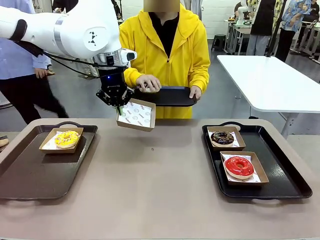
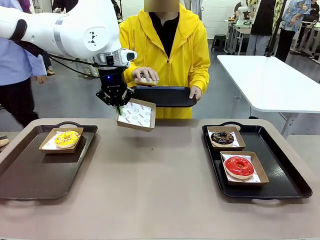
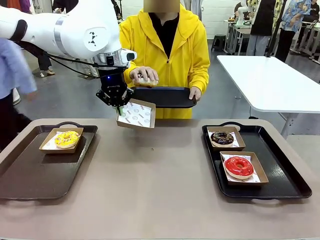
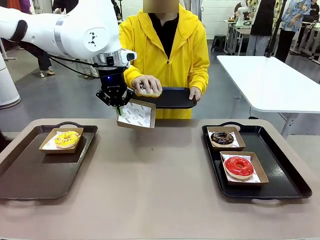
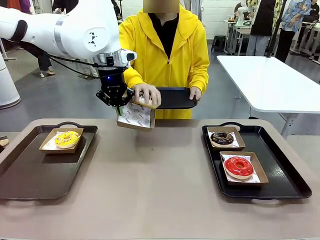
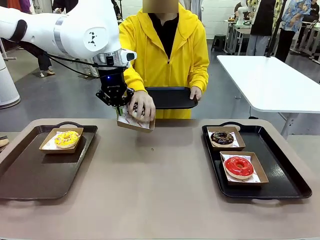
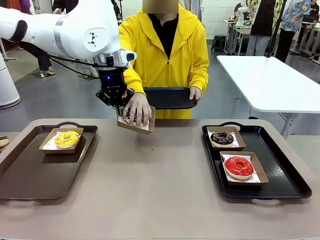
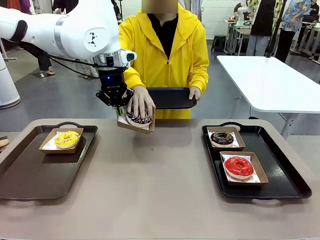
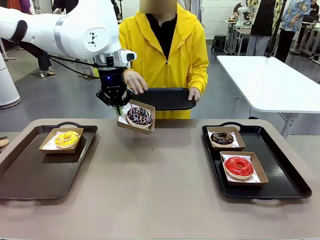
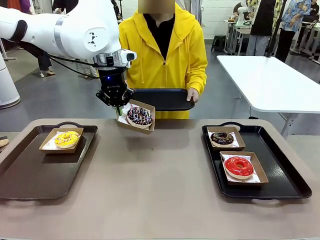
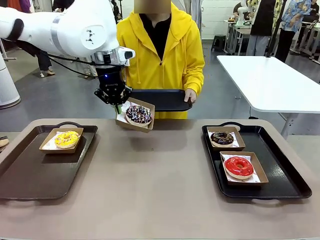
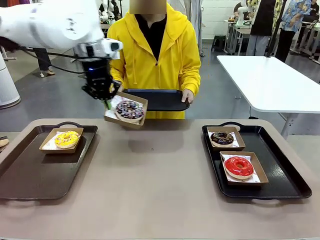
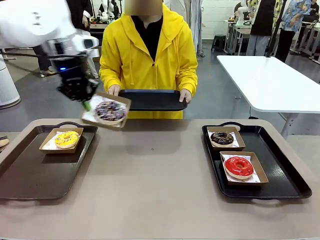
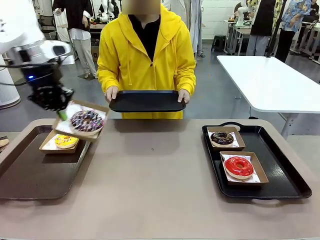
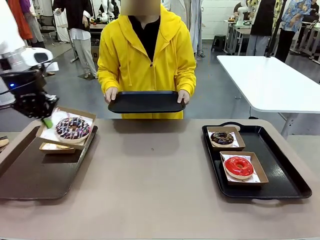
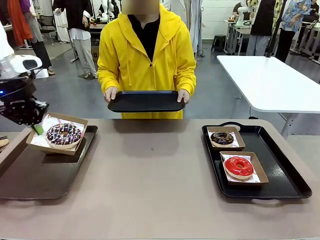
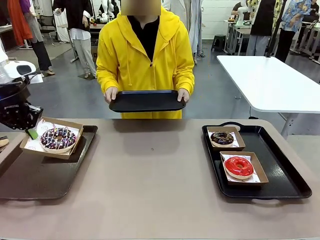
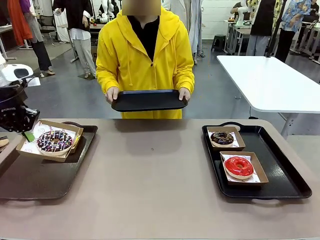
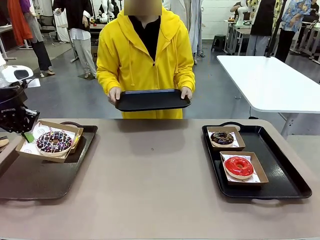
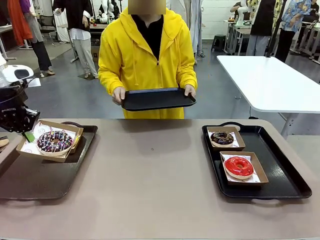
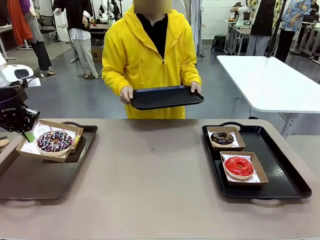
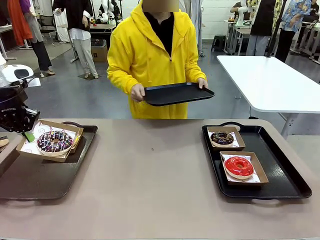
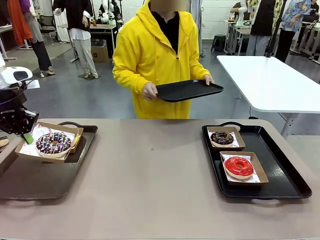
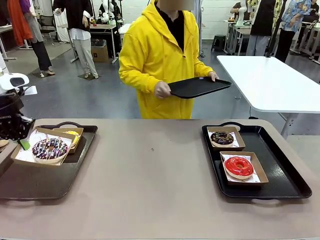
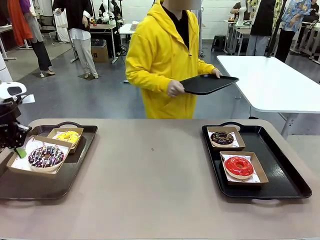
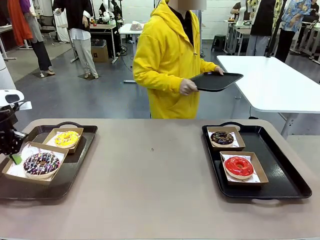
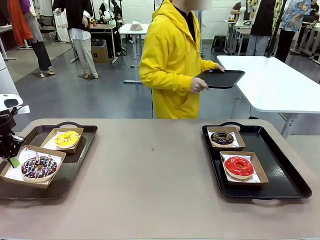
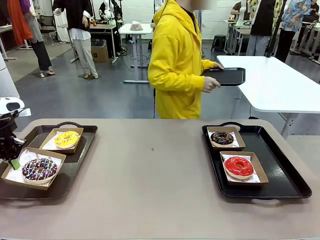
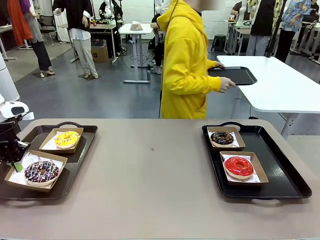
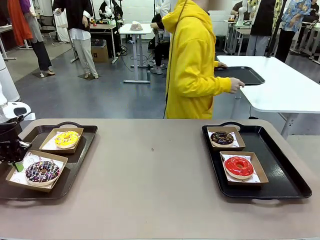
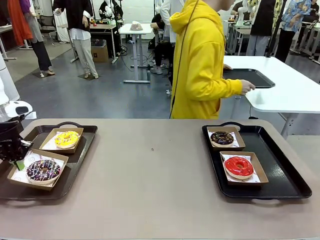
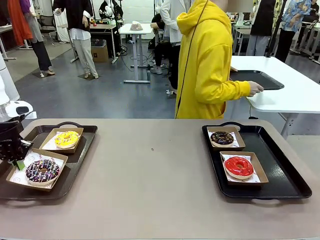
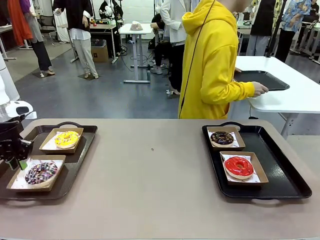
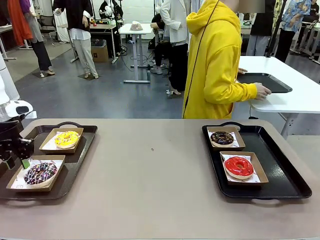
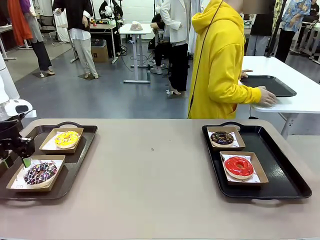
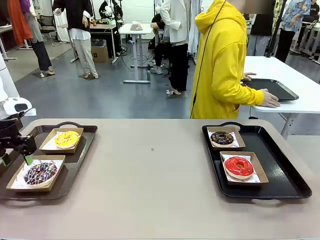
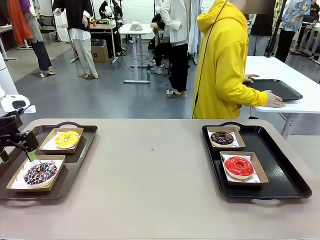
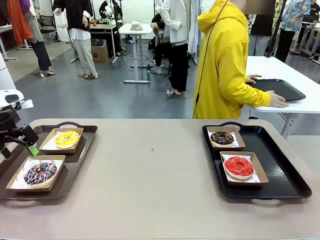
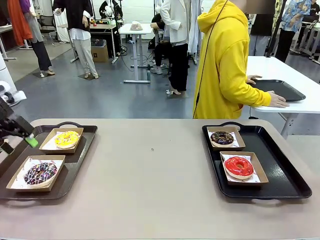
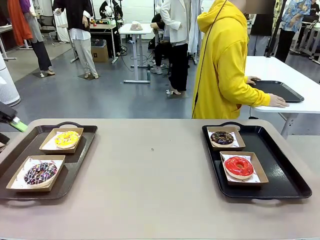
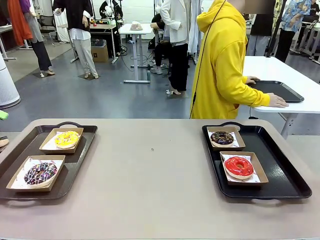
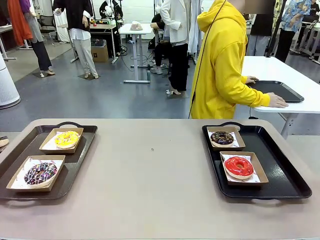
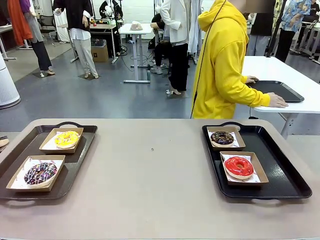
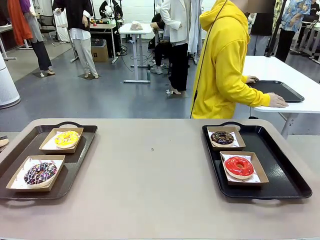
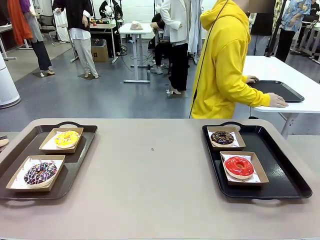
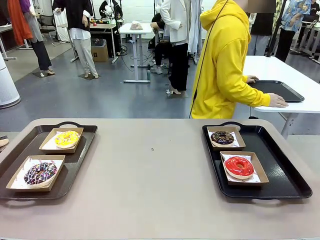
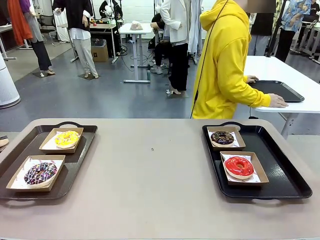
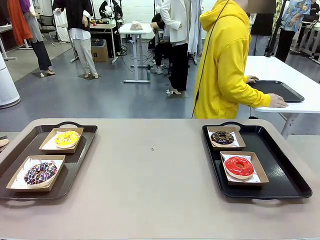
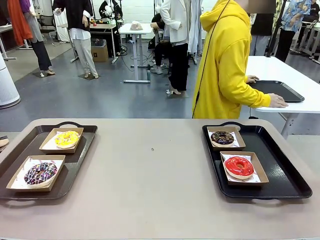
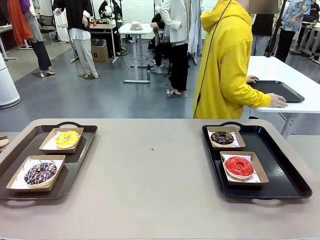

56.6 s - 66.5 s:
Task: Individually package the donuts and arrange them on the tray.
Robot: Place the picked Paper togo box on the Handle tray.
Person: Place the tray down in the middle of the human table.

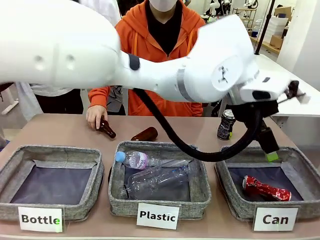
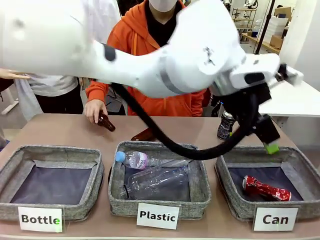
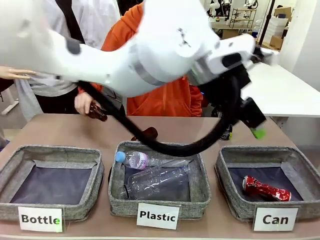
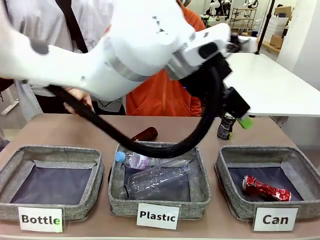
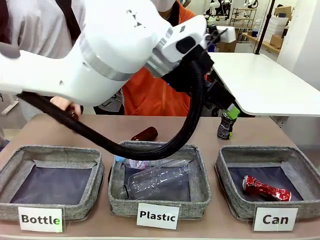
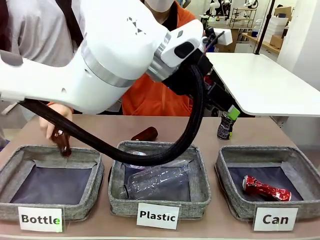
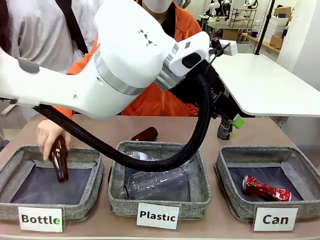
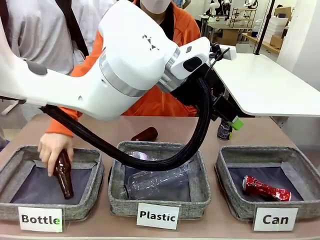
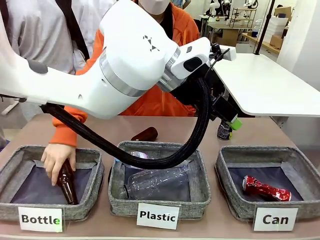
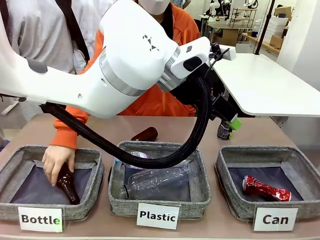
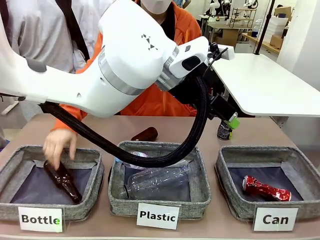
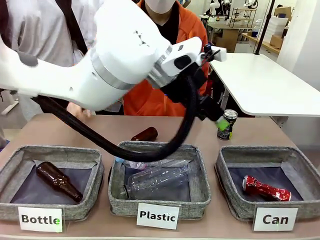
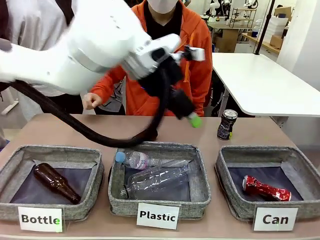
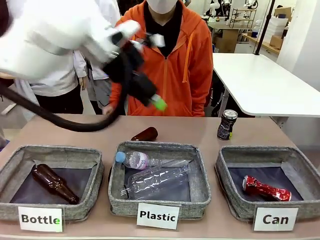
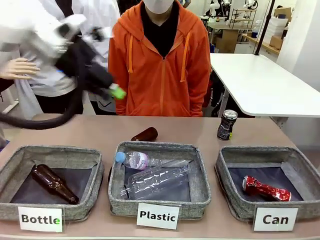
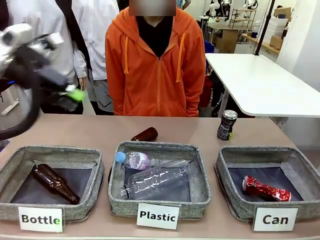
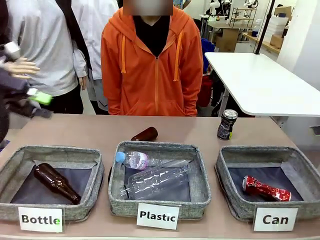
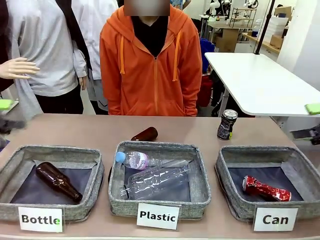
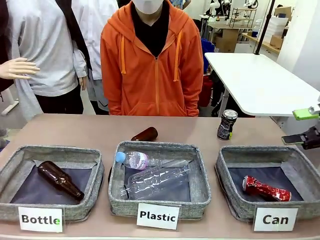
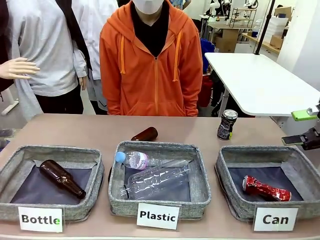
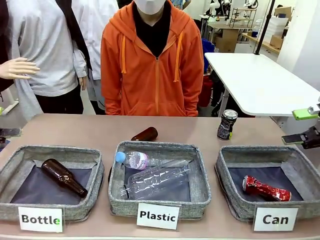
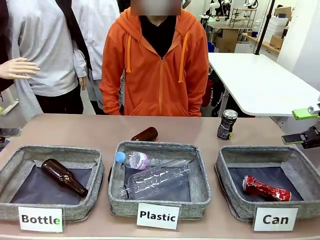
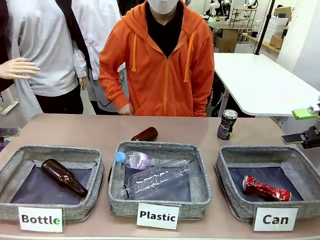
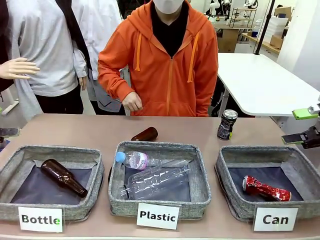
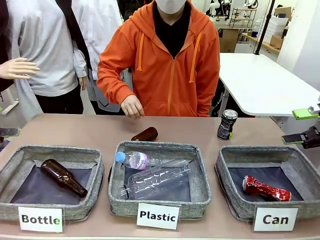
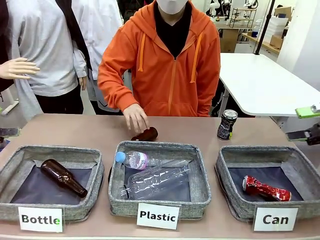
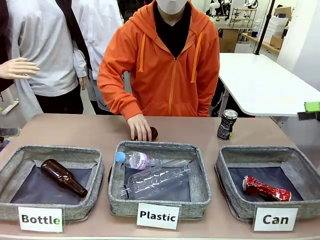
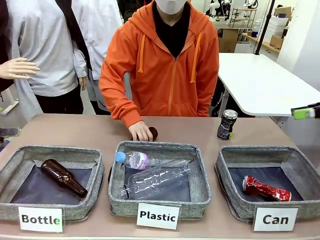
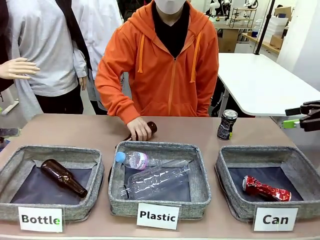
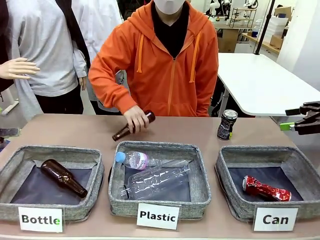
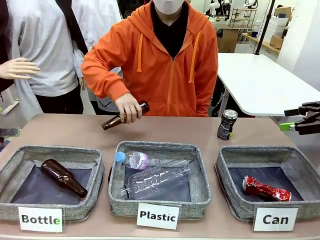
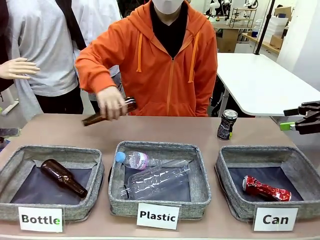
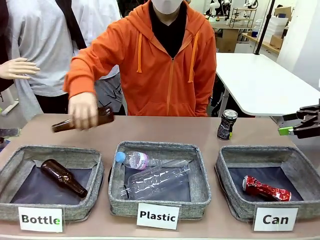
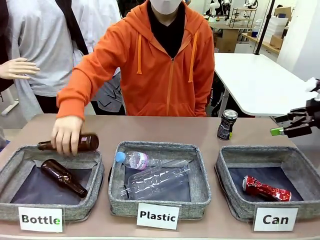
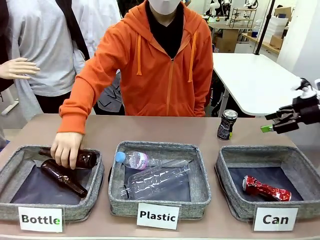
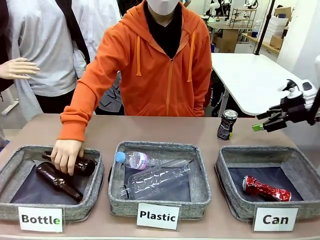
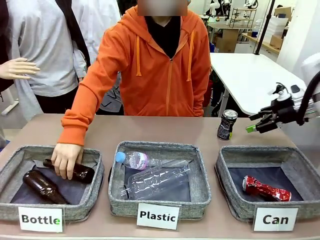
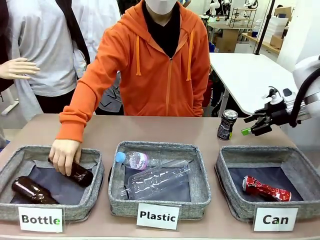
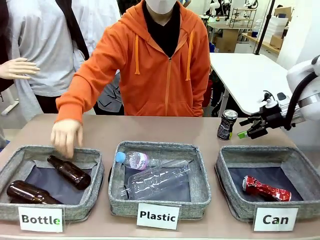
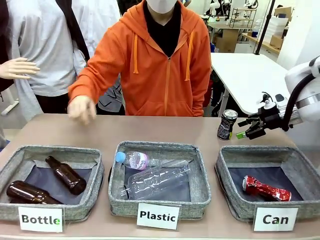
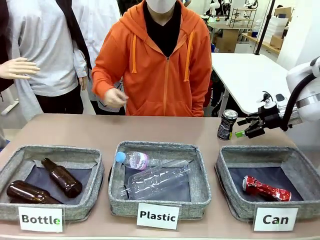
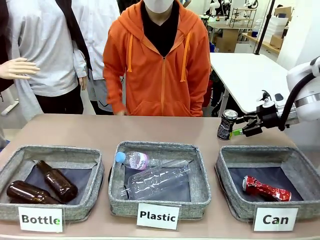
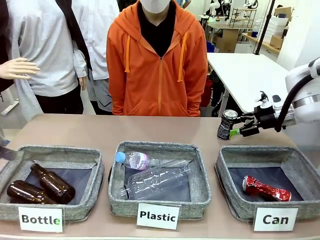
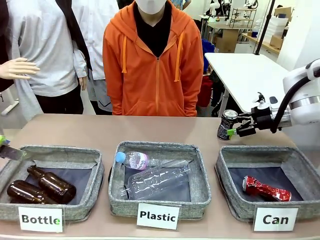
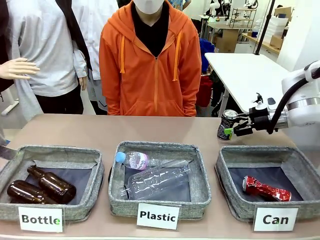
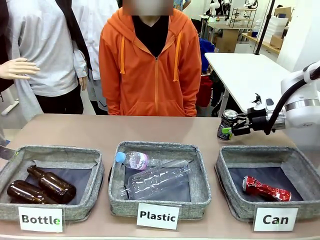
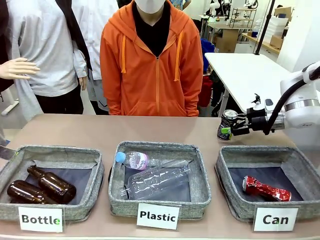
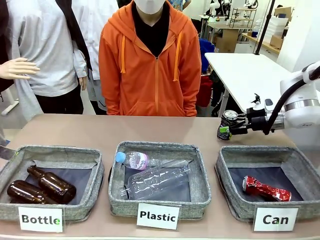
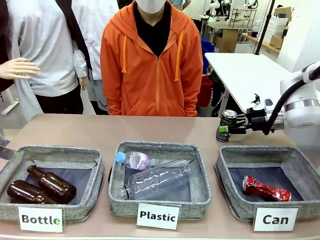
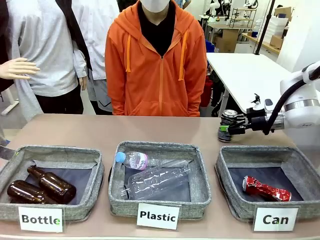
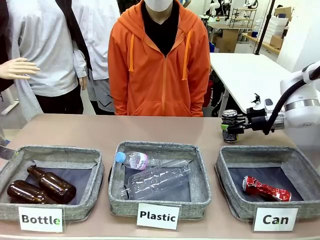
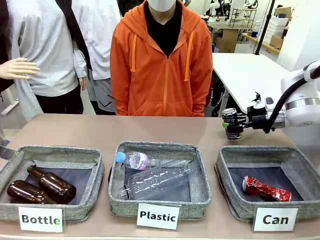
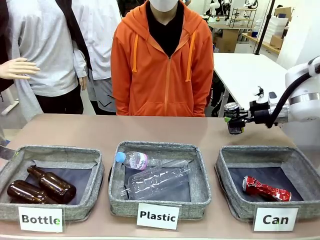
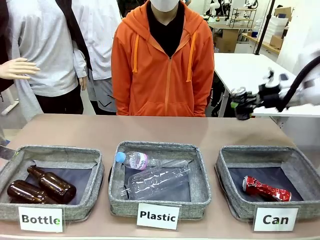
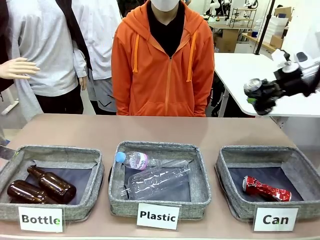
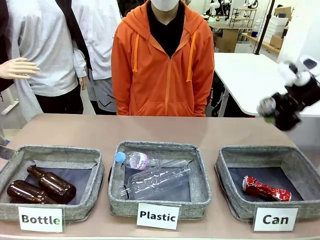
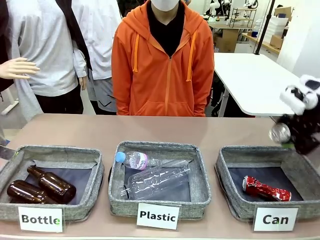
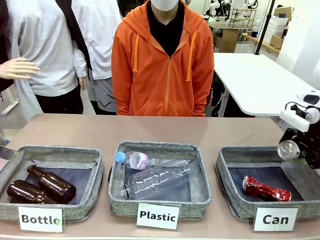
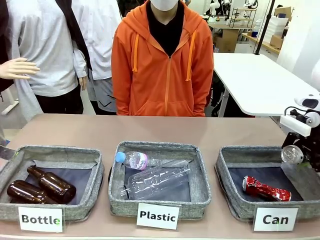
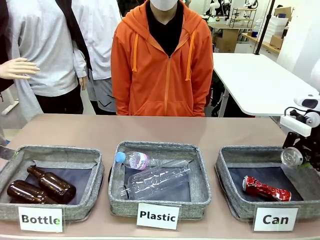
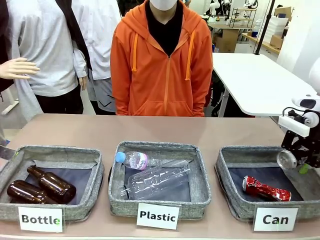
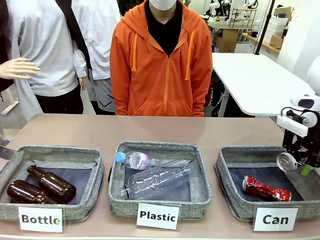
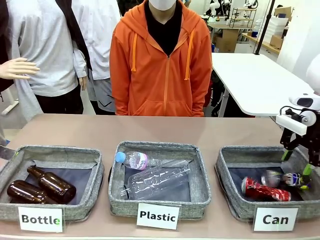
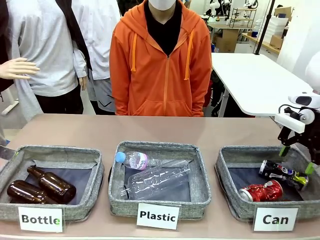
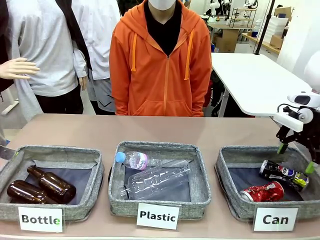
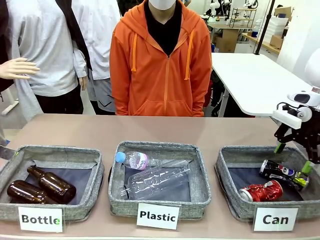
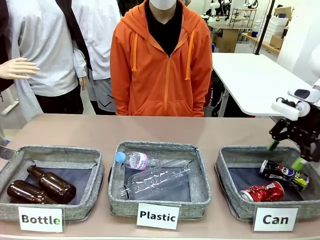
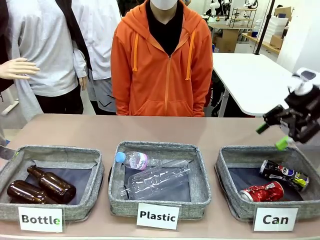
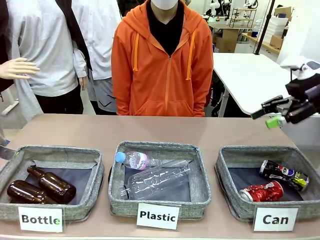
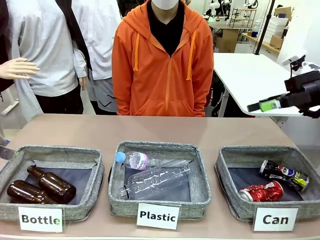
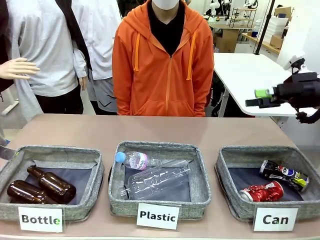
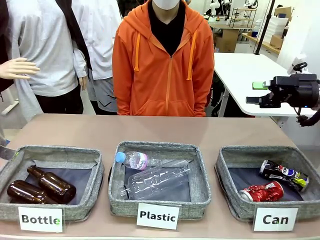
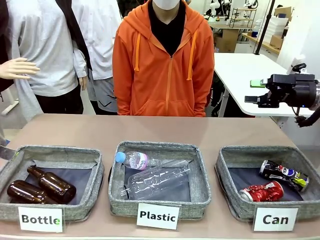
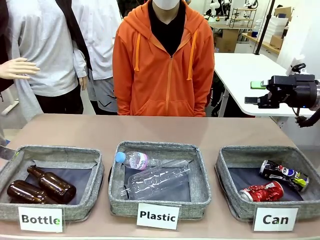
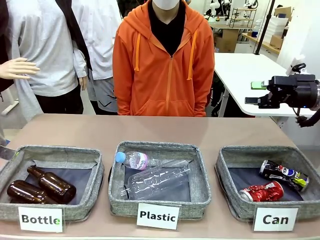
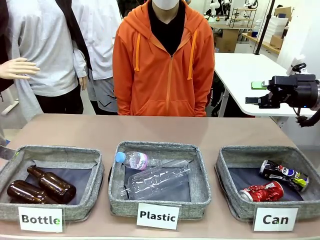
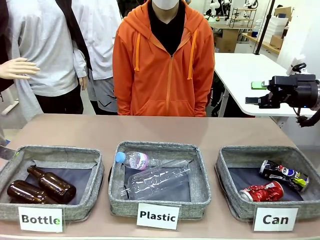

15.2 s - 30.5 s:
Task: Sort the can waste into the basket.
Robot: Pick up the can waste from the table and place it in the right Fabric basket.
Person: The human picks up one piece of trash that is not a can and places the trash into the appropriate organizing basket.
